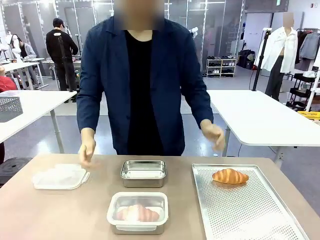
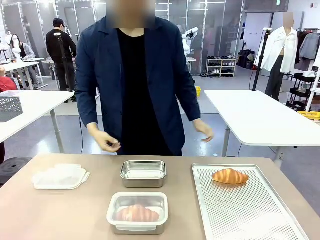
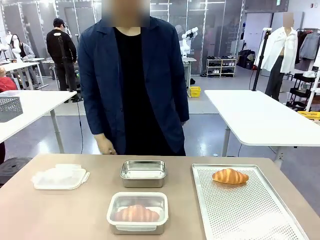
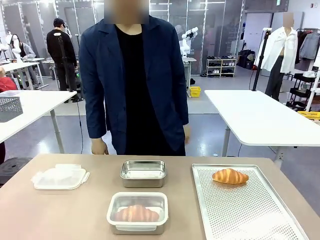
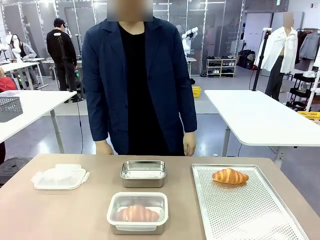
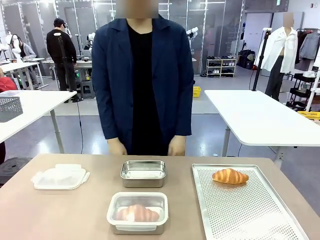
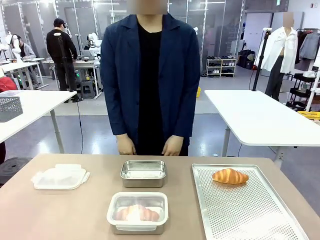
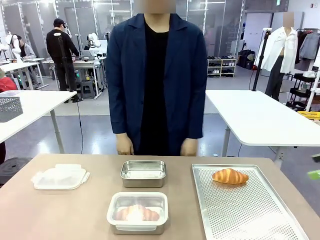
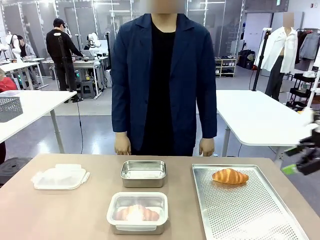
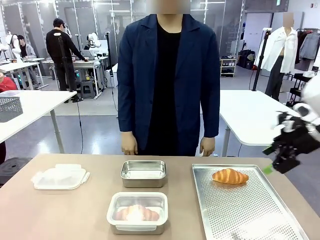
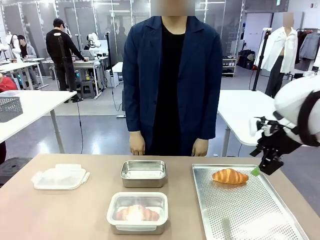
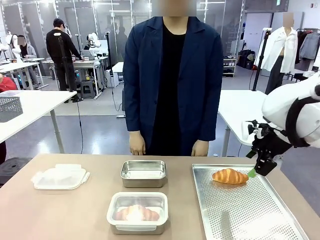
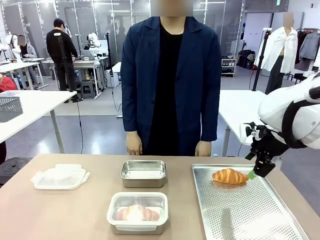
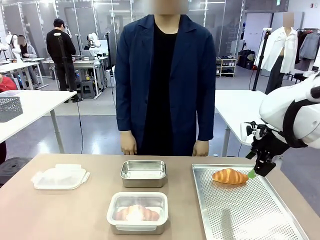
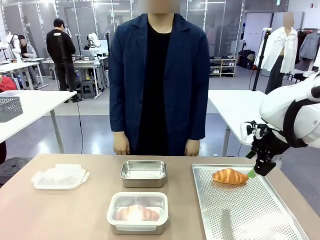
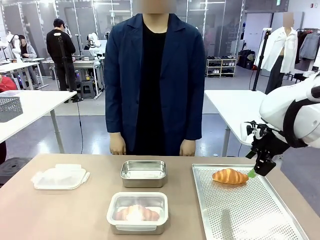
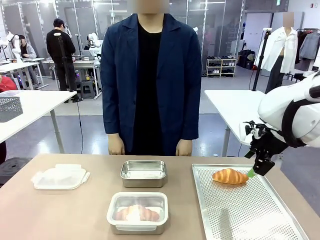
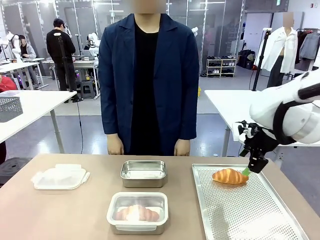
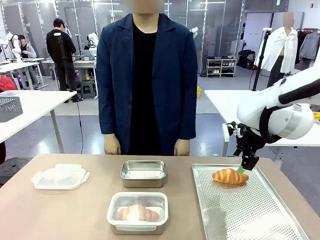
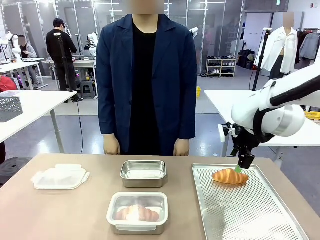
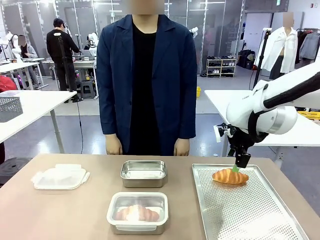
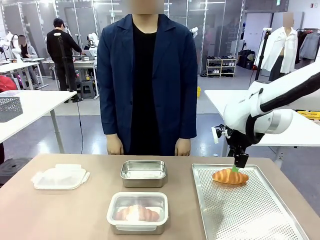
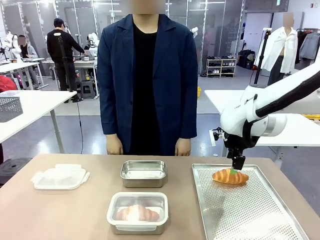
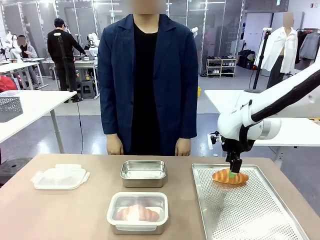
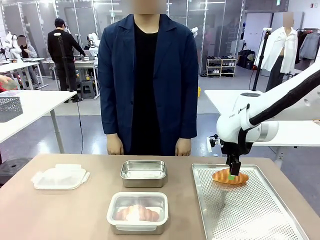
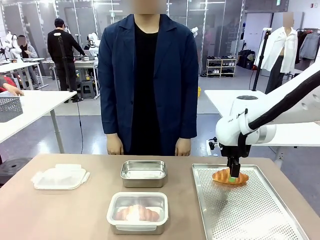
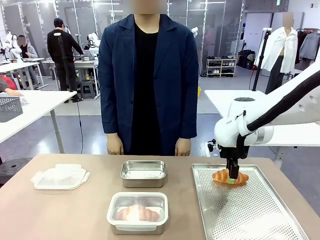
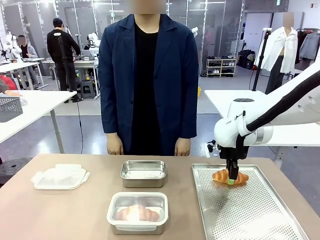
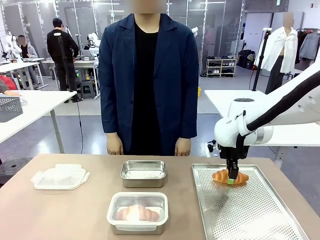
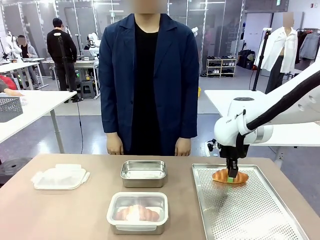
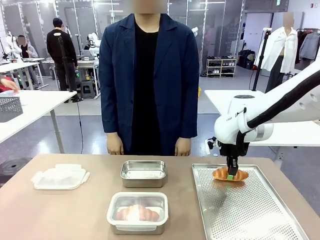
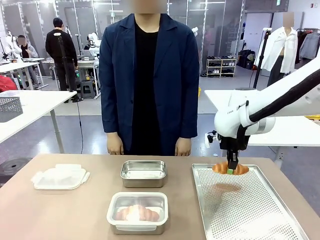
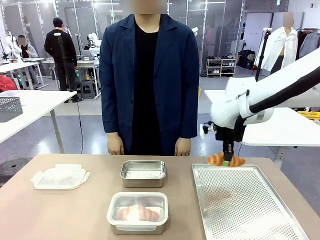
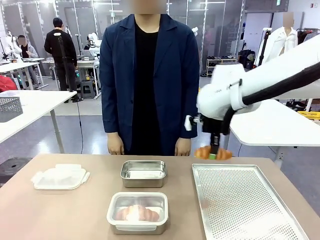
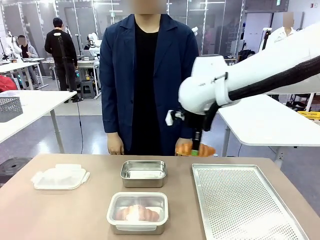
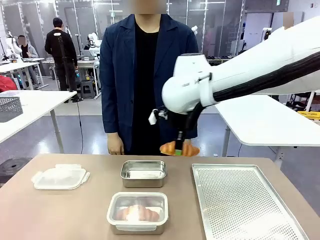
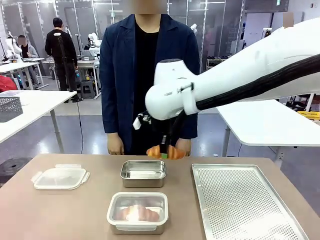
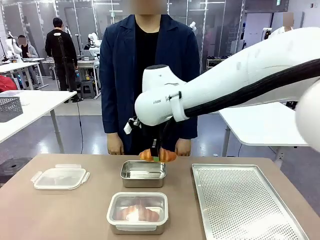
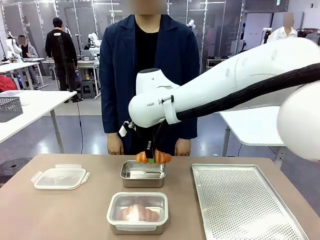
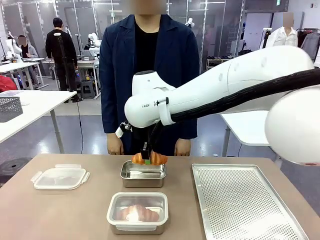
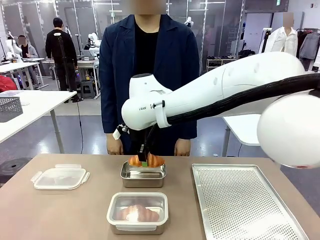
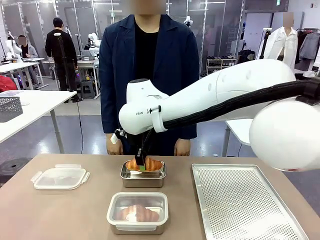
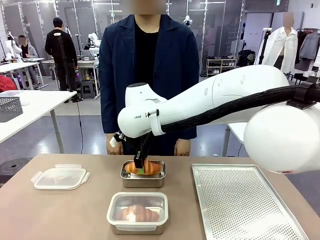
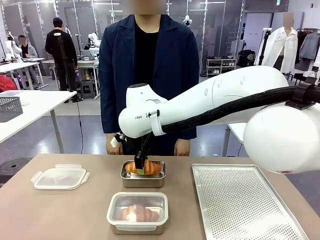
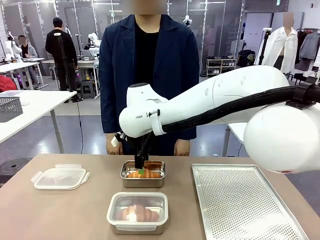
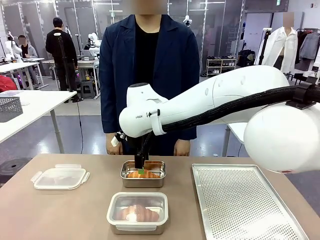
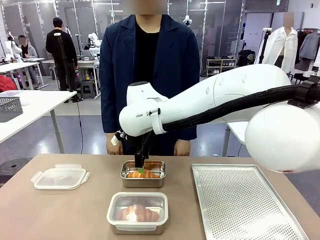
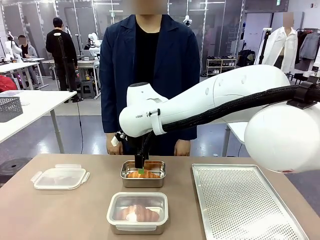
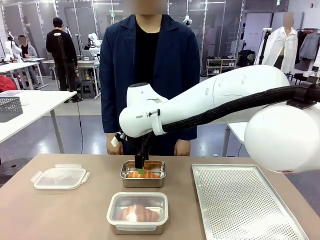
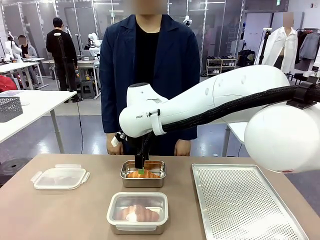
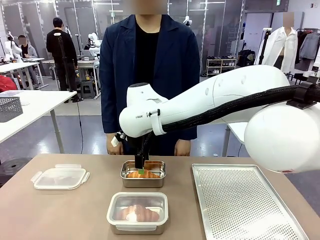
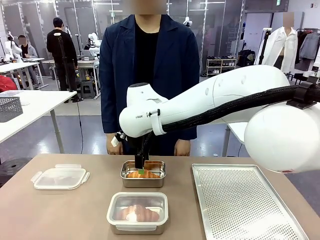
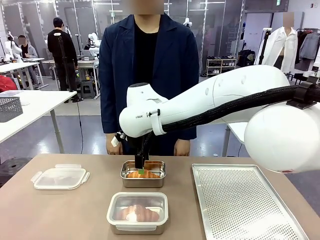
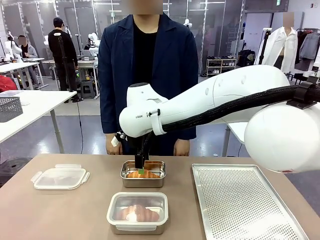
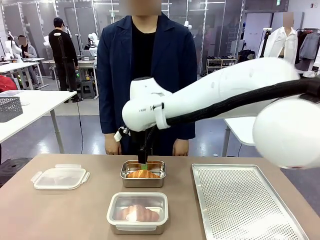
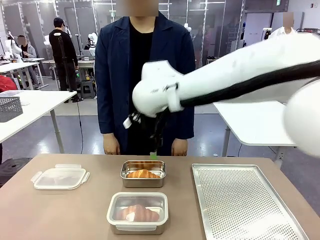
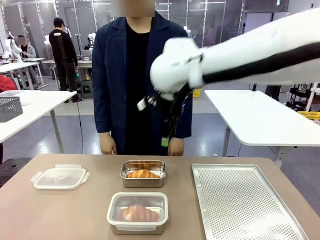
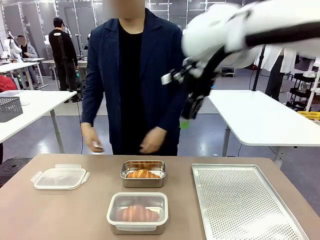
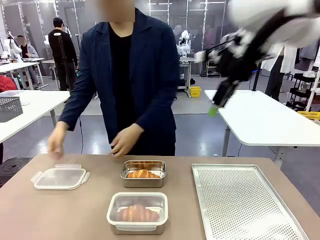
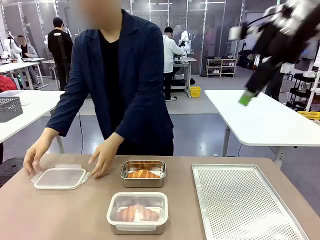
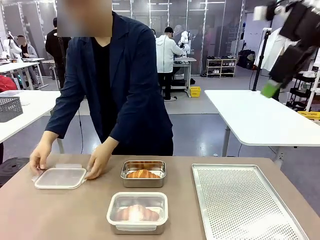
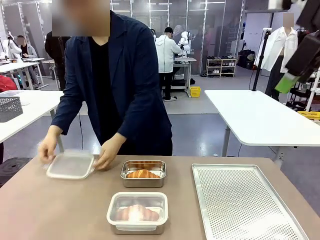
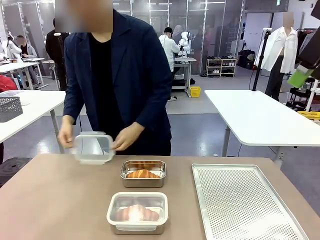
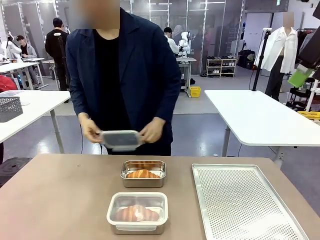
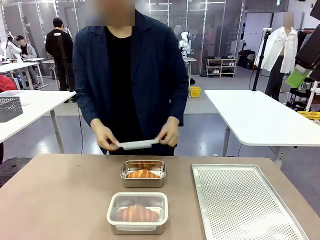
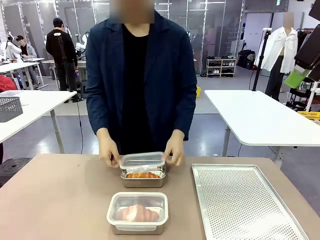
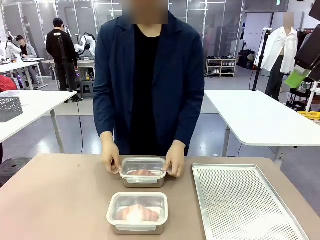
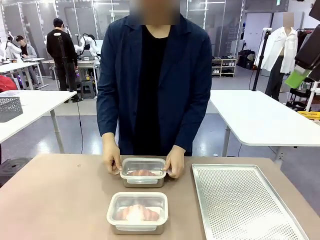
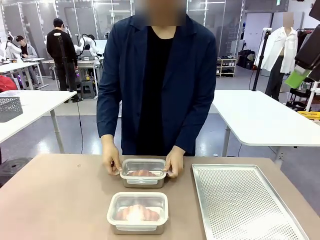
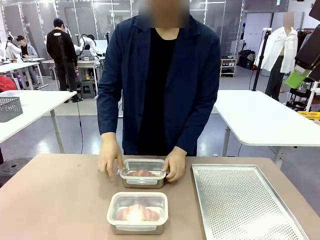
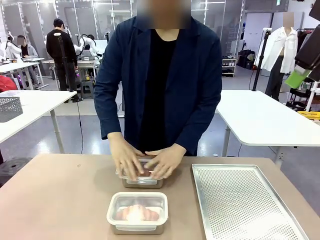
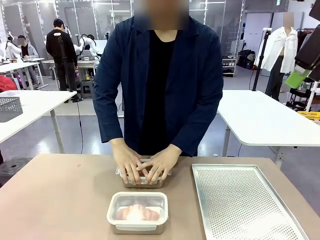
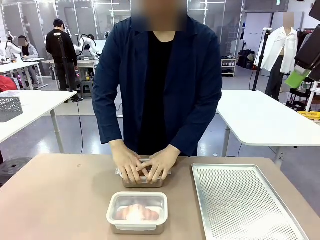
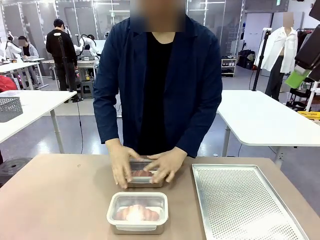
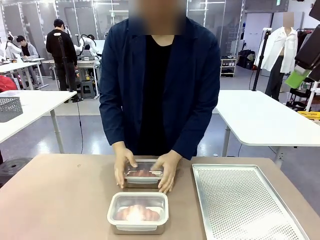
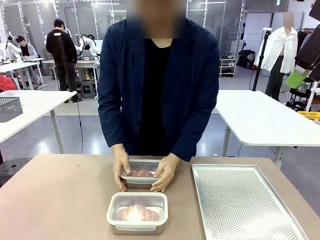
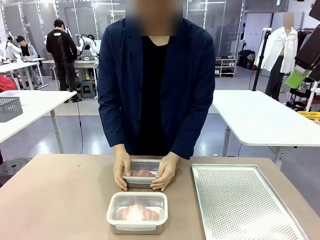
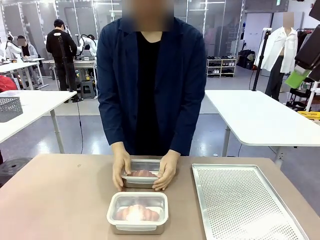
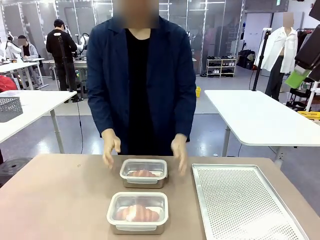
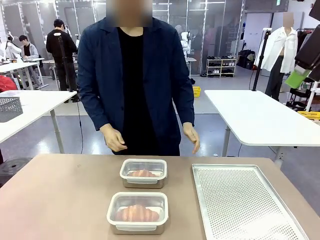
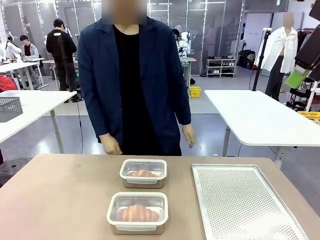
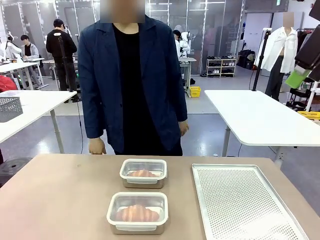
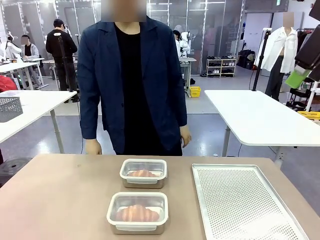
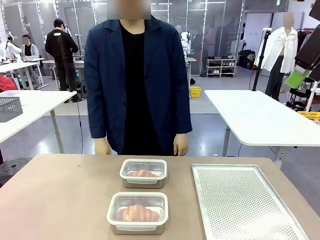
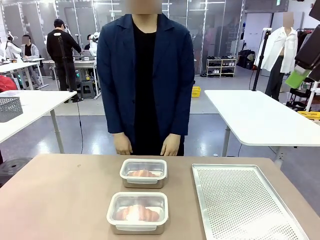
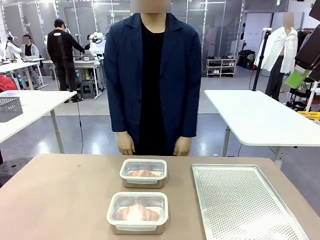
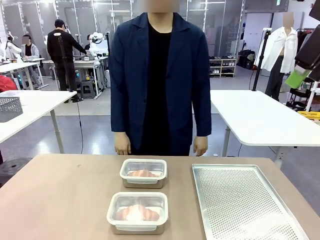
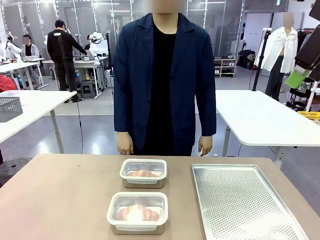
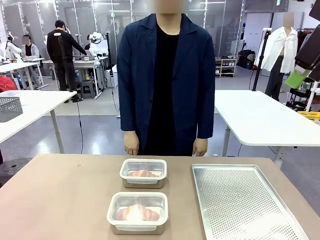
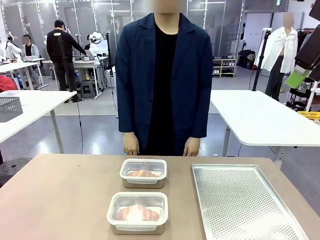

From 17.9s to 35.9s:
Task: Place the bread into the airtight container.
Robot: Pick up a Butter Roll and place it into an empty Airtight Container.
Person: Once a Butter Roll is inside an Airtight Container , close the lid of that Airtight Container.
